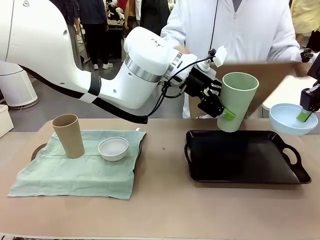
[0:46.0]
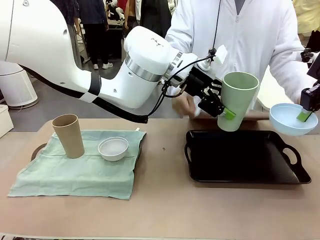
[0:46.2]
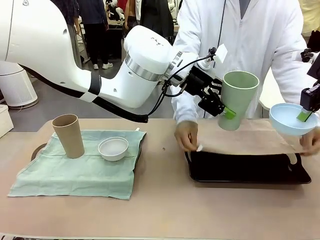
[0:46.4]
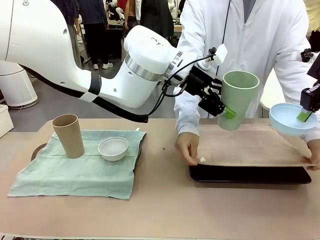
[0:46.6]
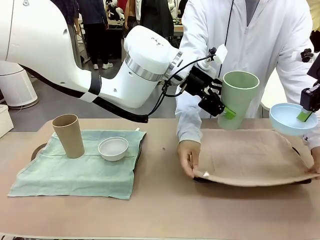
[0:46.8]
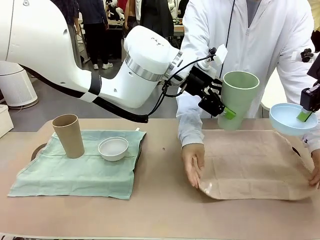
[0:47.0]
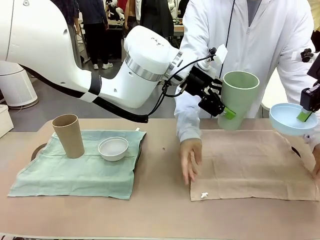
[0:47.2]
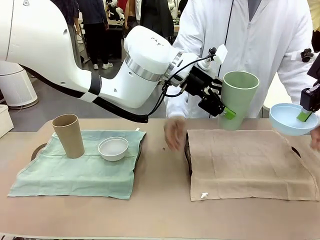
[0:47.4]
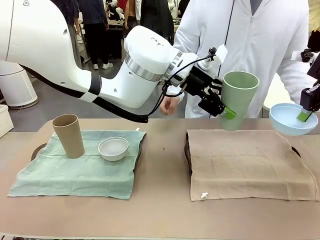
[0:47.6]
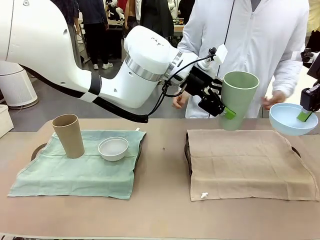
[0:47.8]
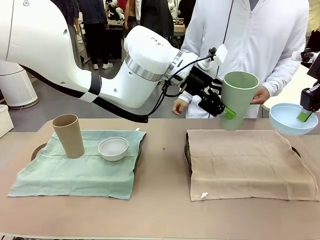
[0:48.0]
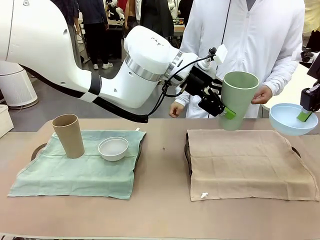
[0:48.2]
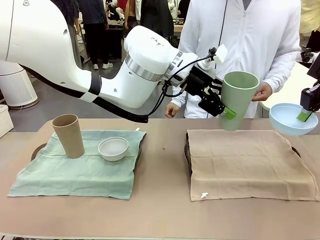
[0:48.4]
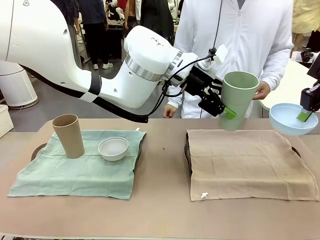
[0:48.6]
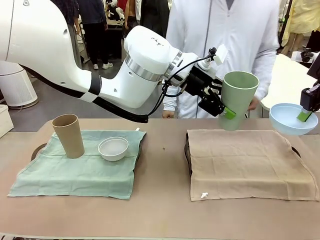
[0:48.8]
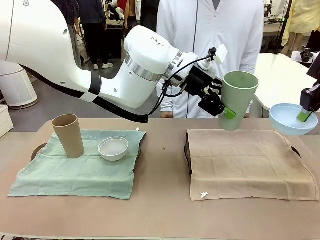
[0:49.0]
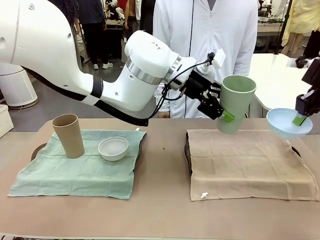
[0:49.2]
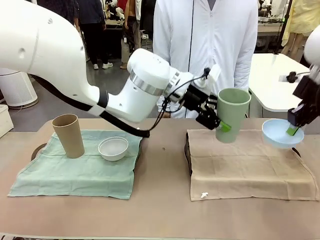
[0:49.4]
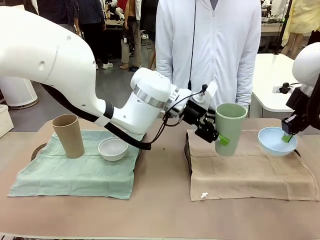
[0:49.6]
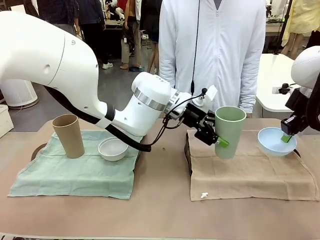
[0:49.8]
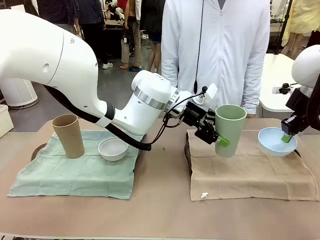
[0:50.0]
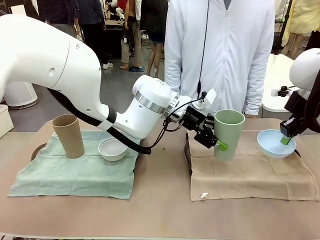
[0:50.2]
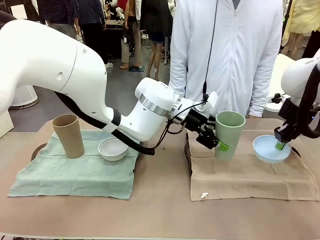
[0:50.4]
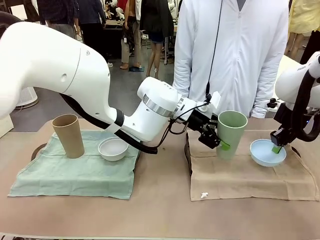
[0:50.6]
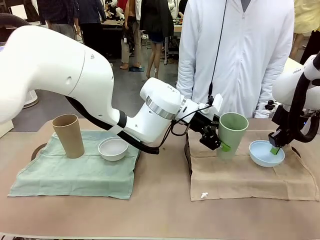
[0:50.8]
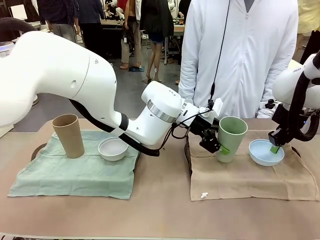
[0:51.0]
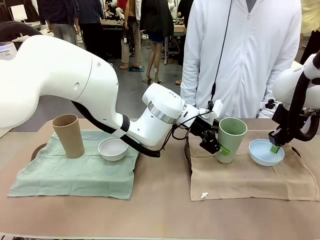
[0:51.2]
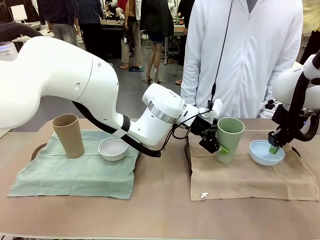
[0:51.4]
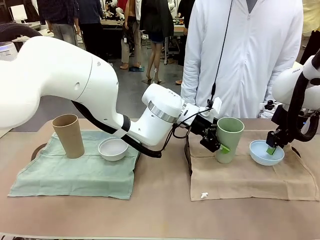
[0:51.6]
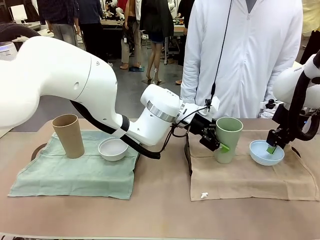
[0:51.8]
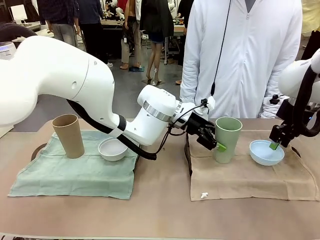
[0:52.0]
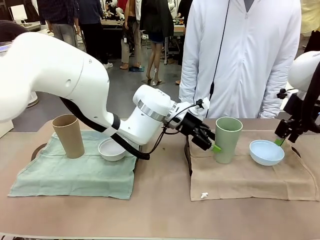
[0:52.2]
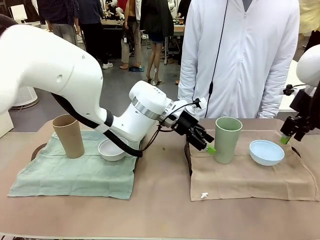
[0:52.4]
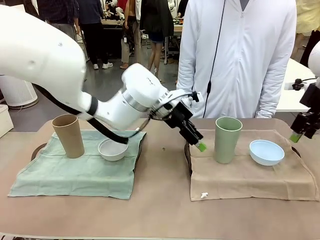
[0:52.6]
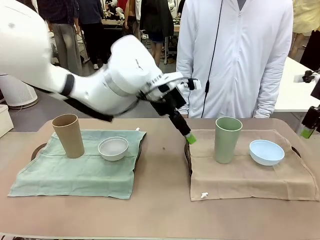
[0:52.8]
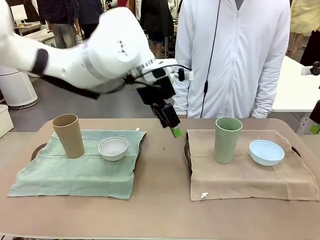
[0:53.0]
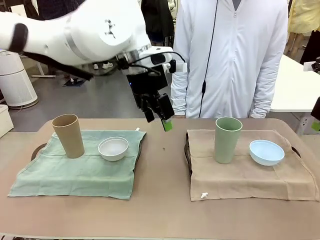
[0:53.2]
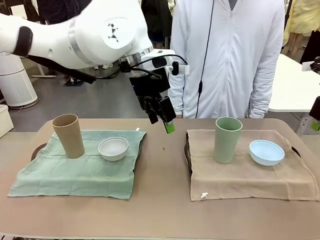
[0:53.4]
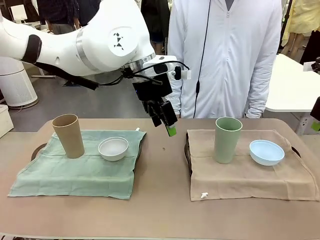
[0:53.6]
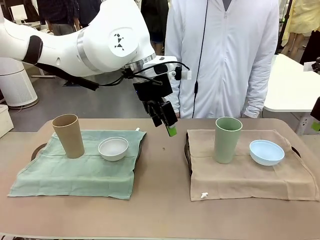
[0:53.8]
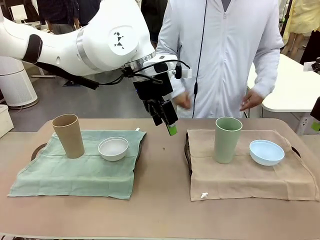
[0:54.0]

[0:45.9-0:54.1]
Robot: Place the Picnic Bowl and Reusable plastic cup back onto the Handle tray in front of the human's position.
